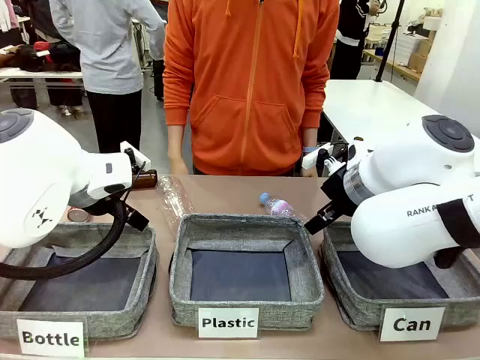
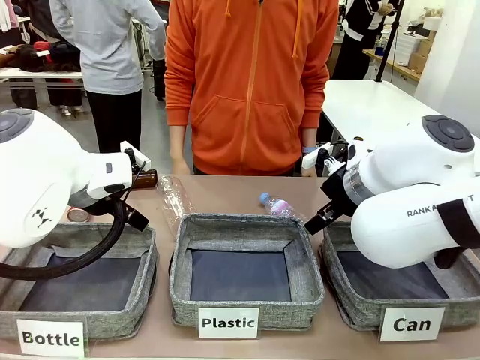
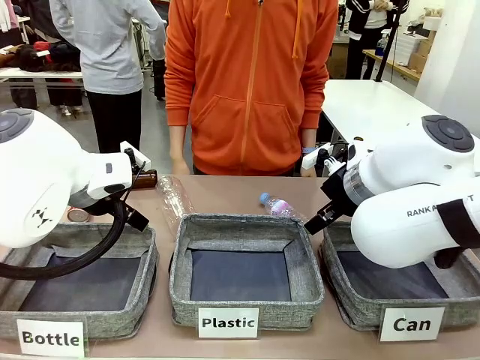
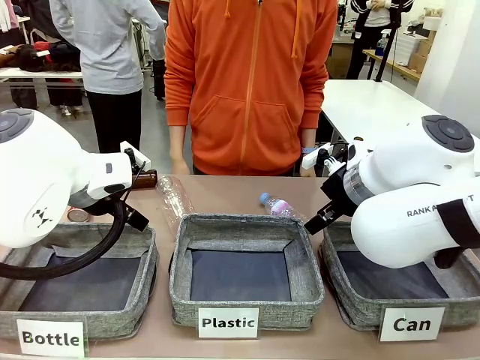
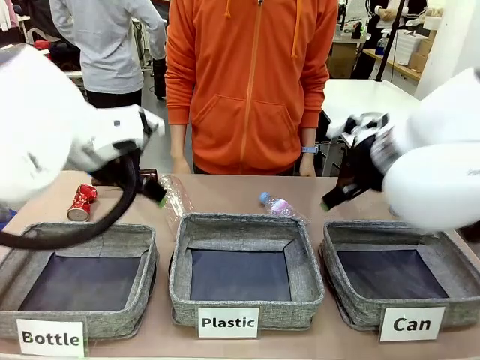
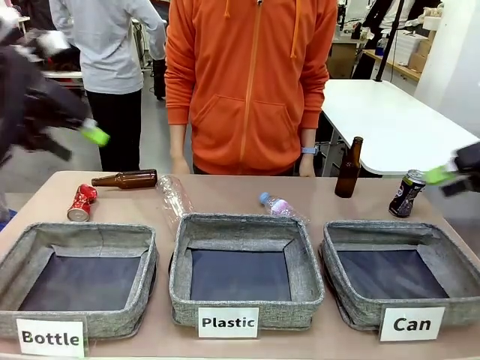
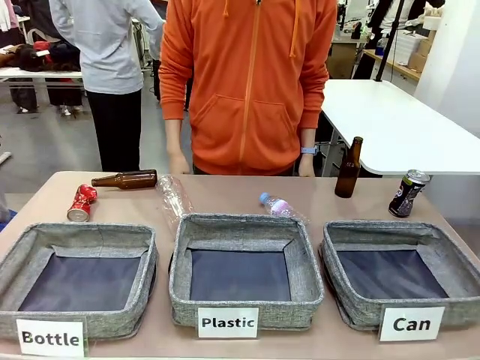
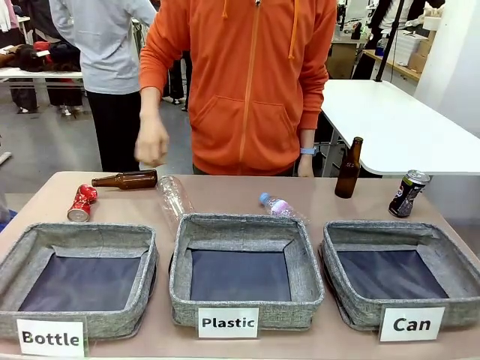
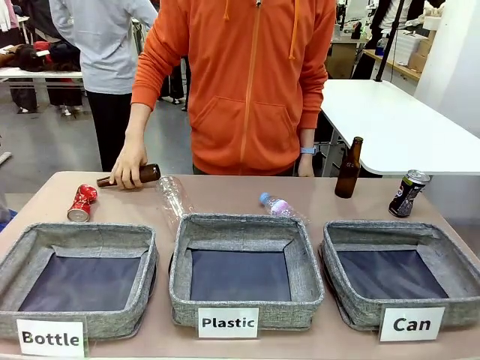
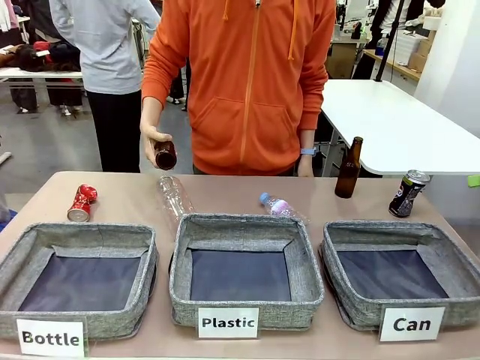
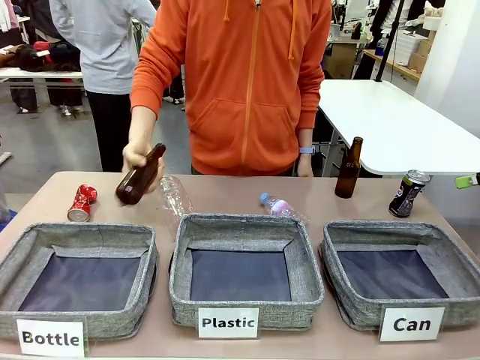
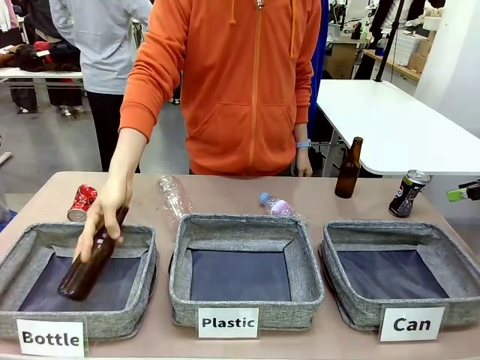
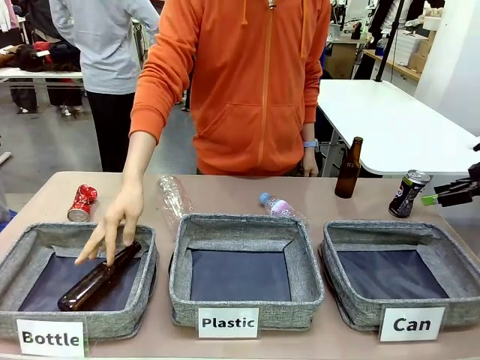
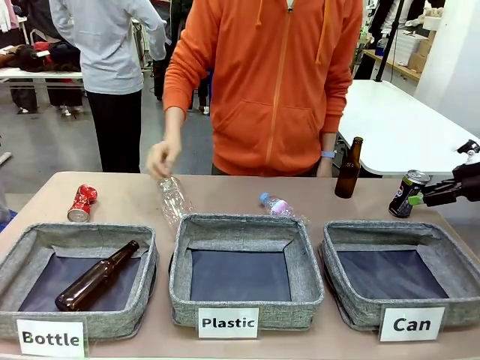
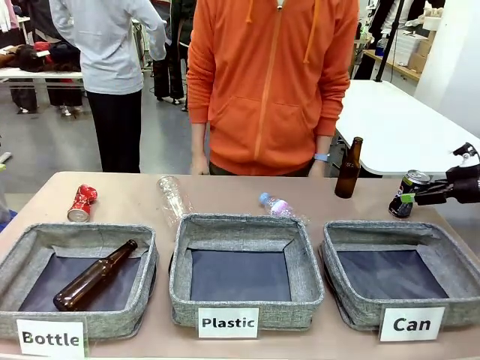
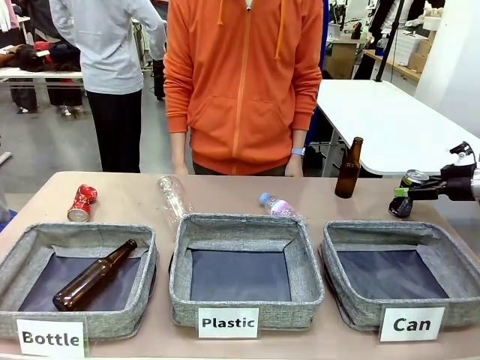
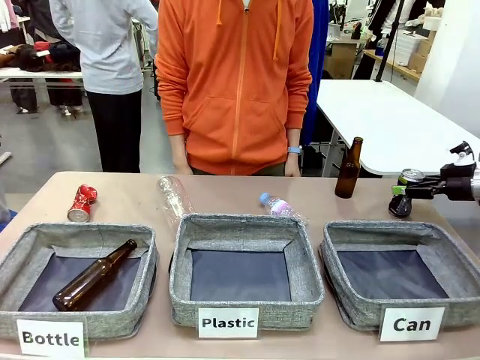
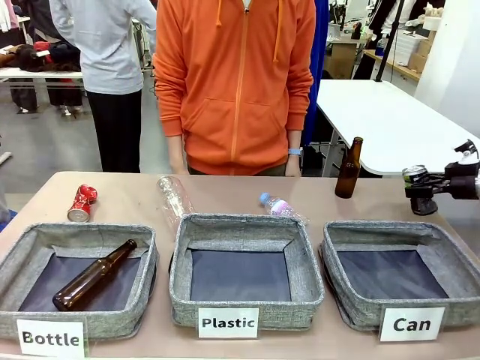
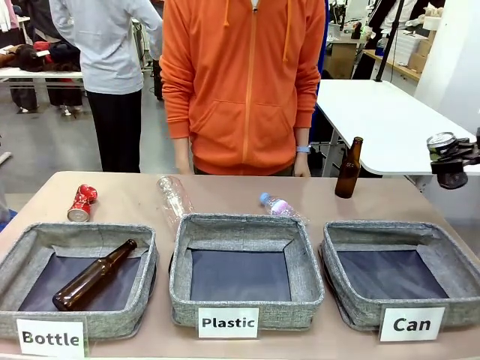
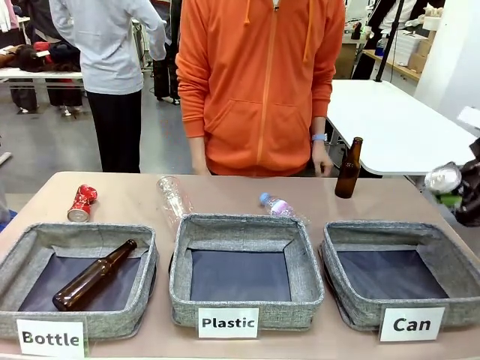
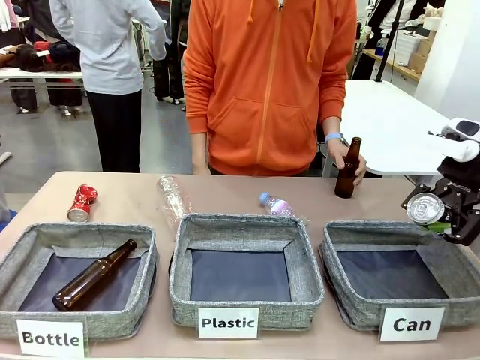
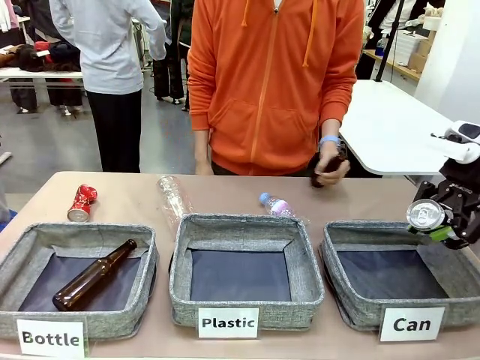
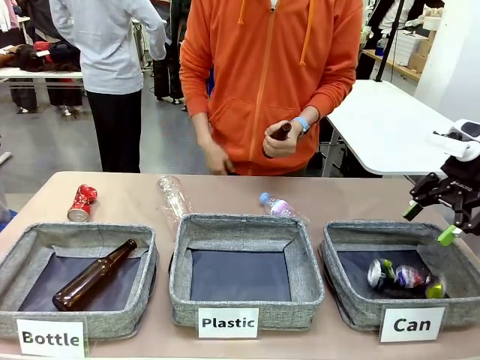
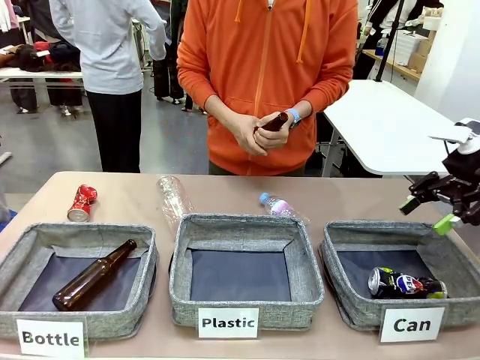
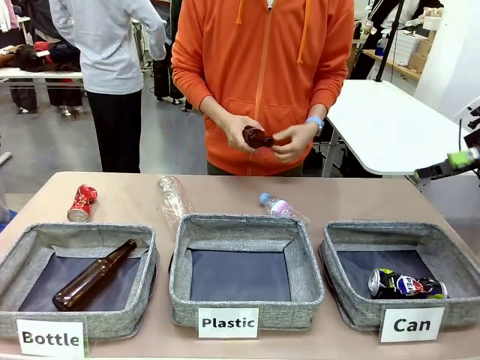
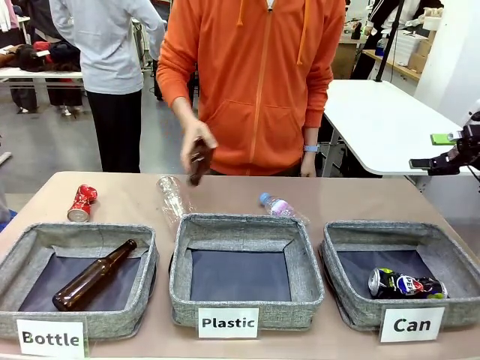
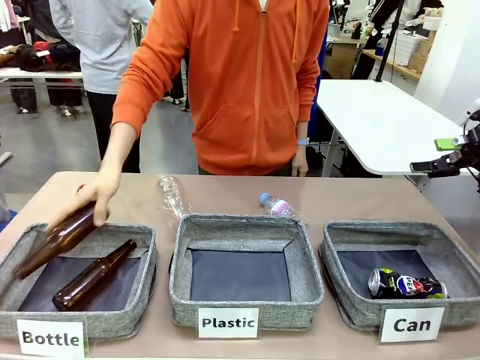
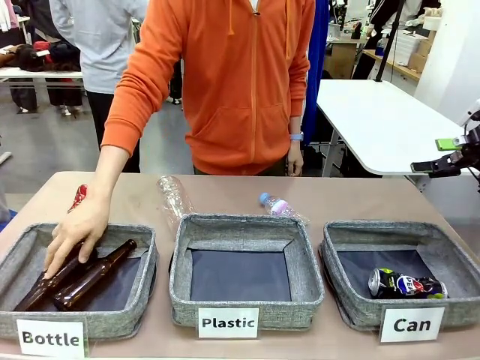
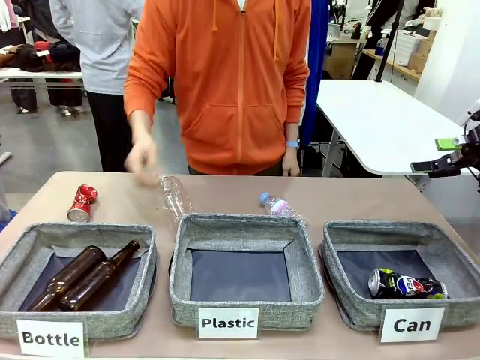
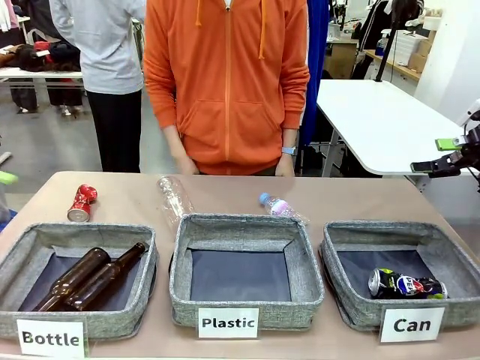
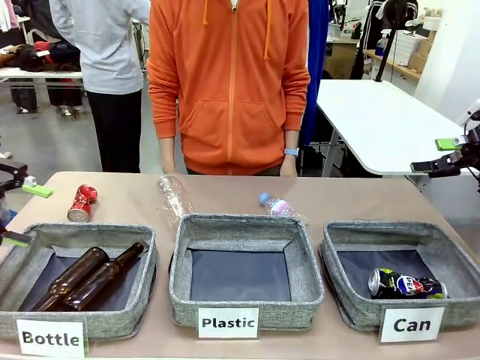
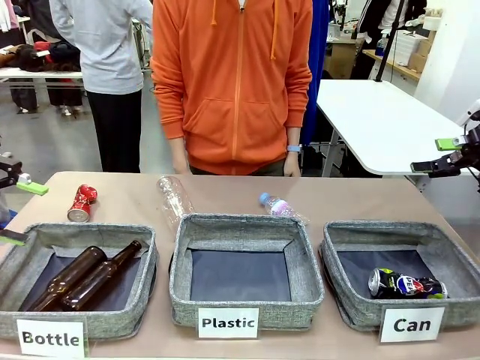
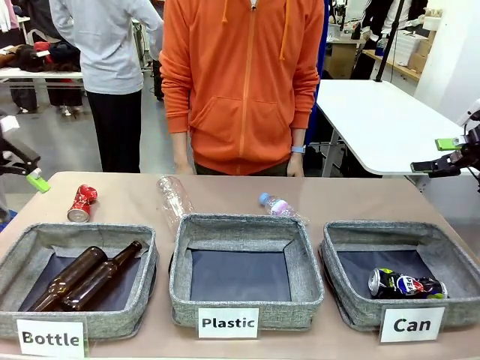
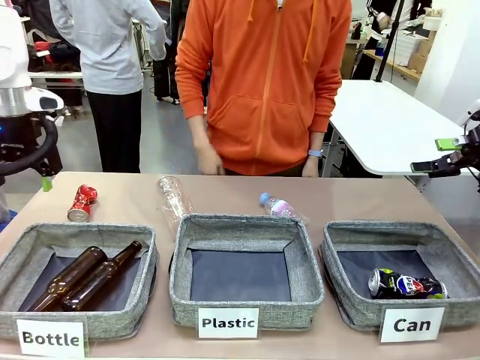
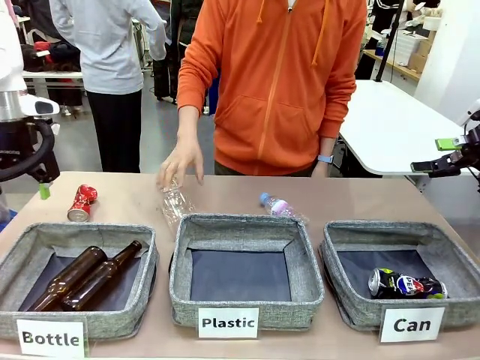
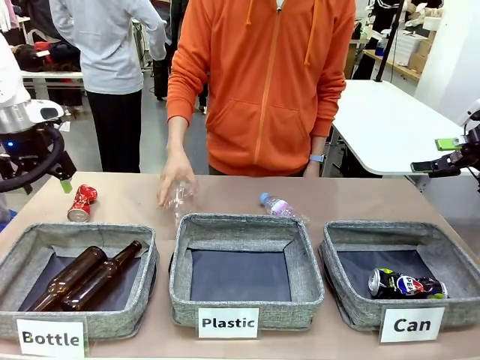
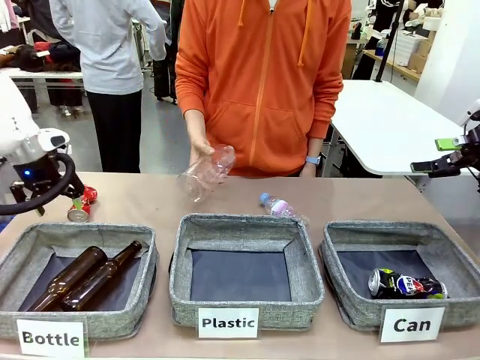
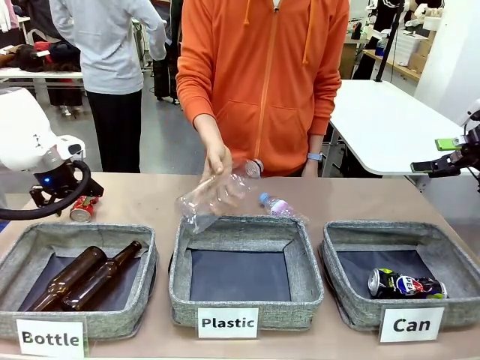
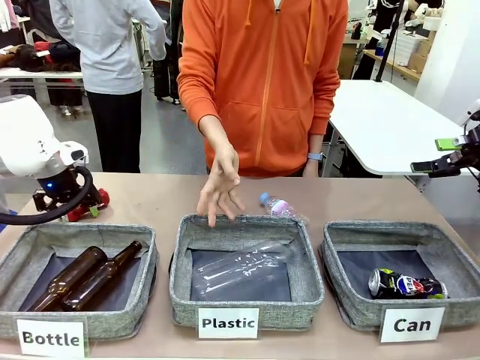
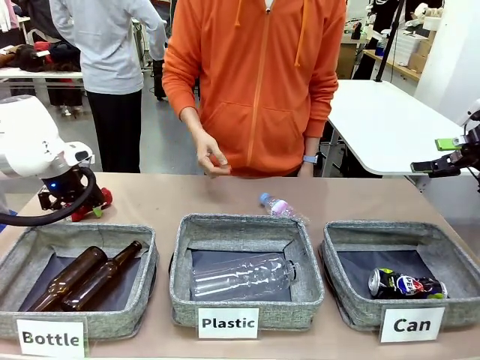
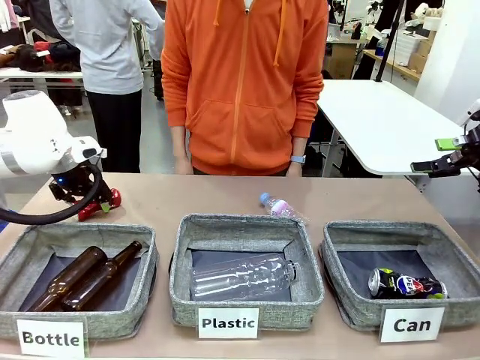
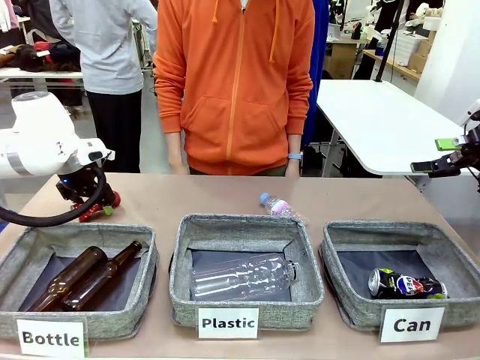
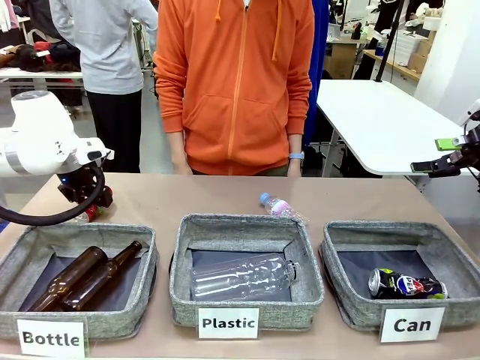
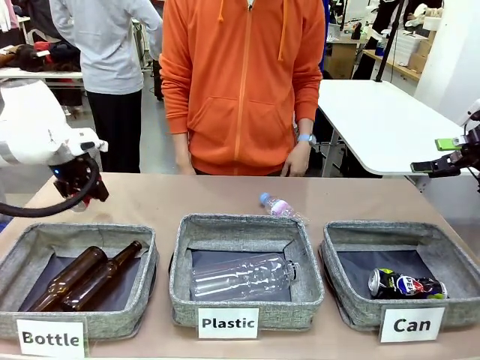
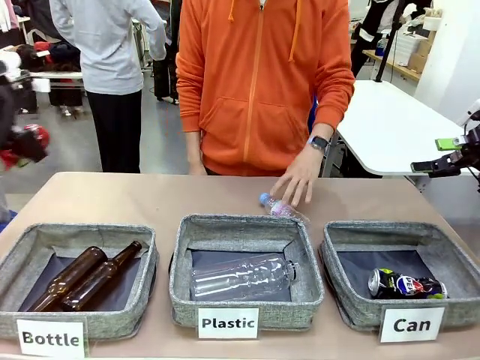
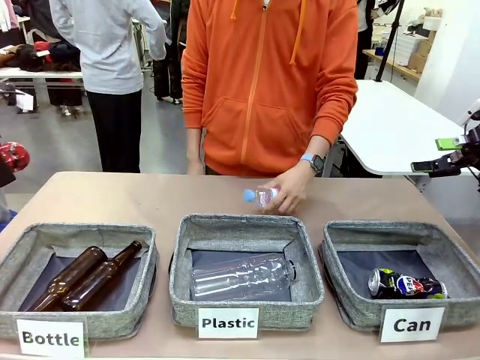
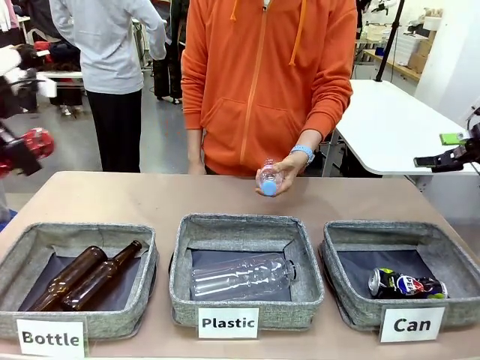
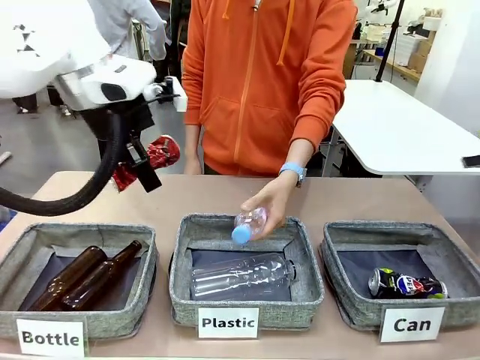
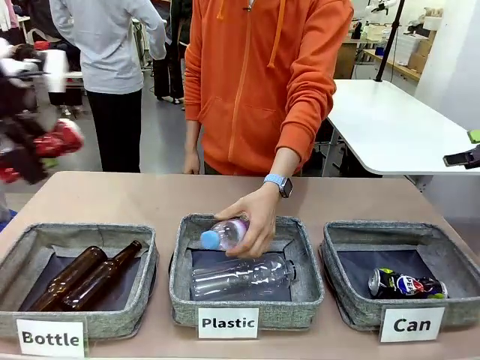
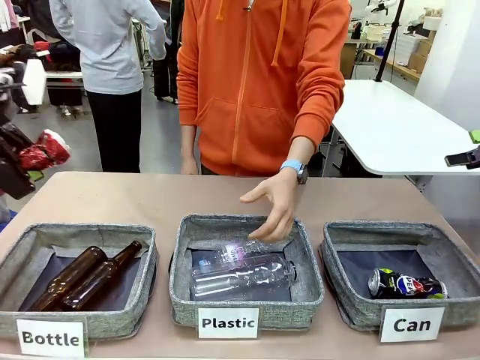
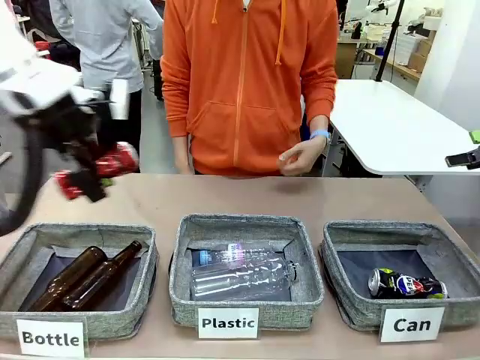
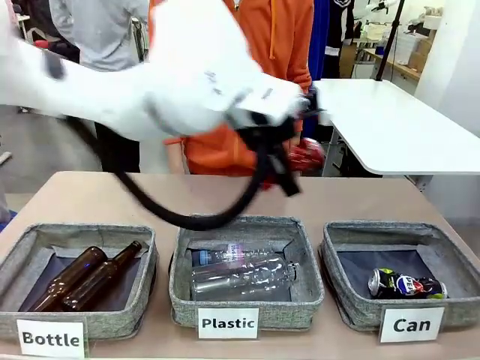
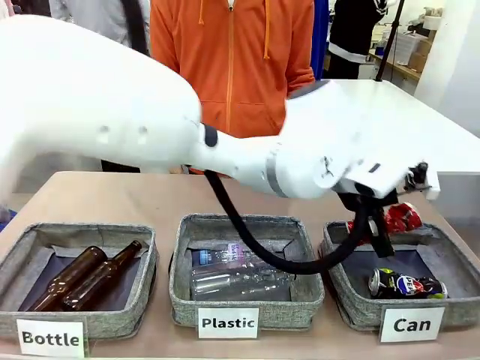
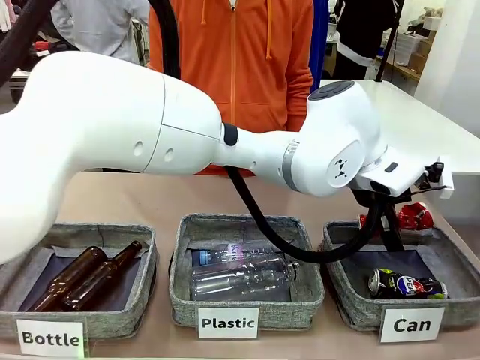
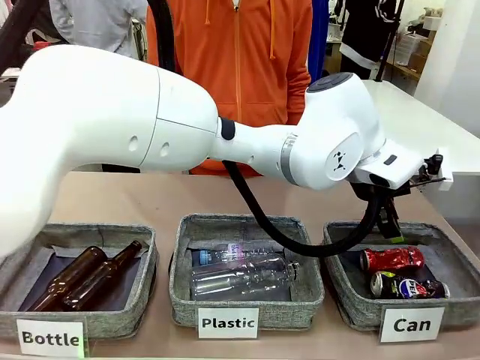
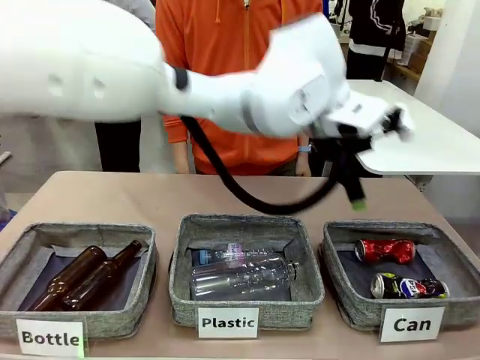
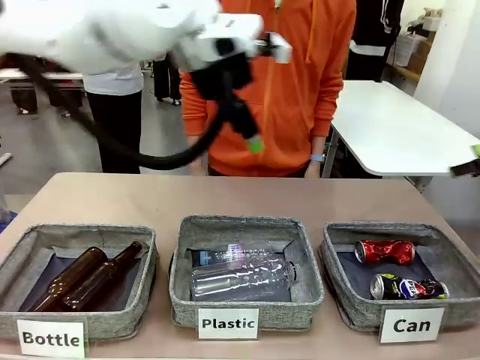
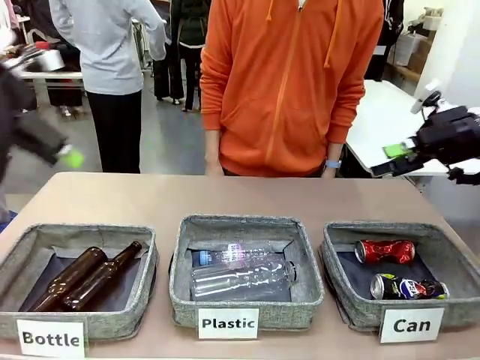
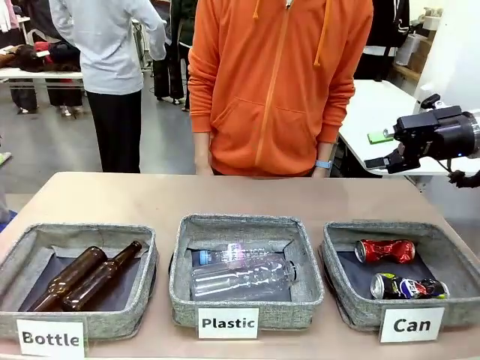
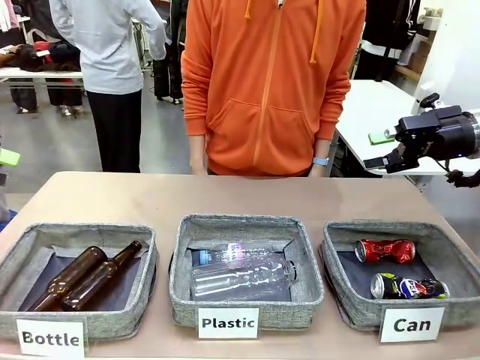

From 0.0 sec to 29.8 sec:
Task: Sort the can waste into the basket.
Robot: Pick up the can waste from the table and place it in the right Fabric basket.
Person: The human picks up one piece of trash that is not a can and places the trash into the appropriate organizing basket.
